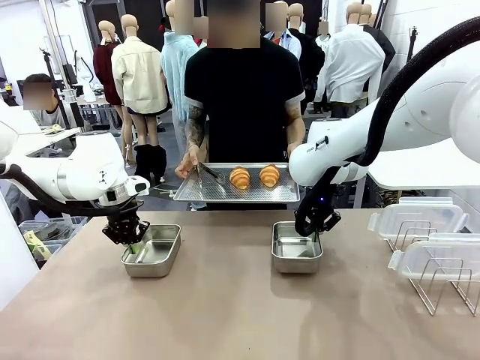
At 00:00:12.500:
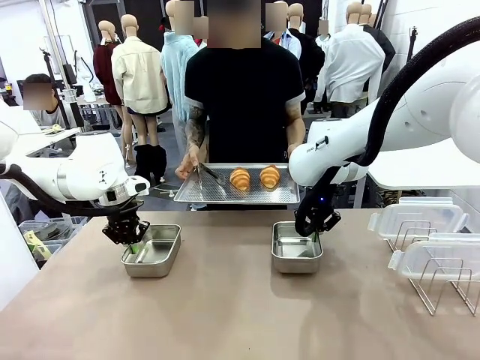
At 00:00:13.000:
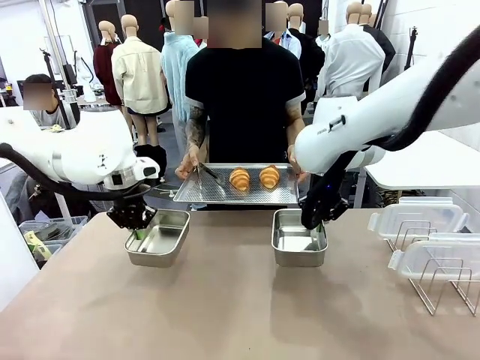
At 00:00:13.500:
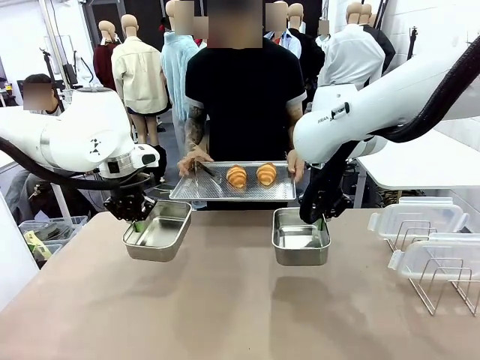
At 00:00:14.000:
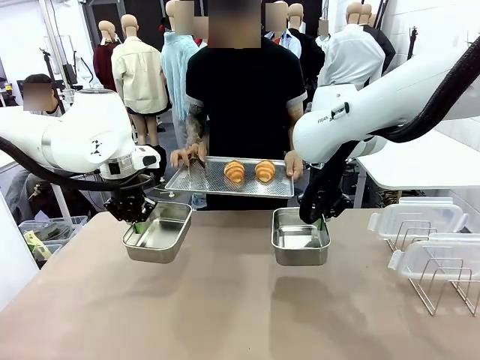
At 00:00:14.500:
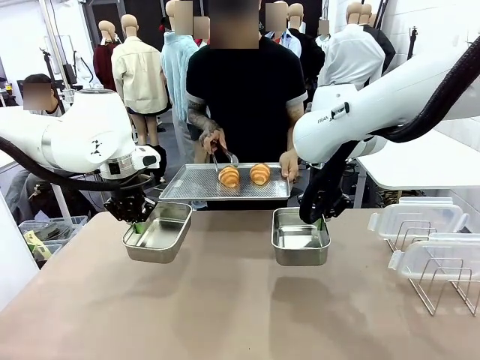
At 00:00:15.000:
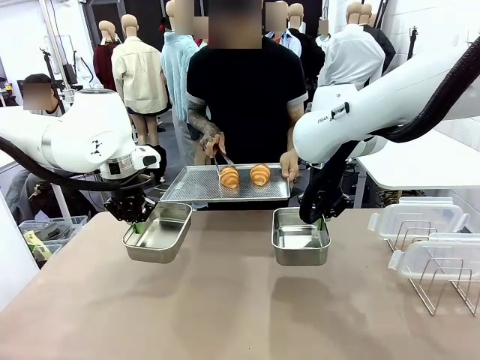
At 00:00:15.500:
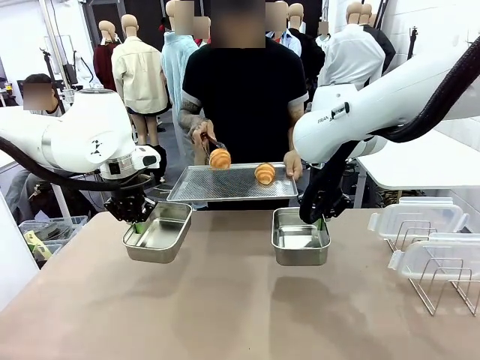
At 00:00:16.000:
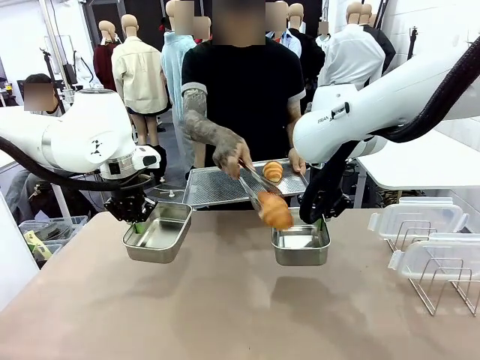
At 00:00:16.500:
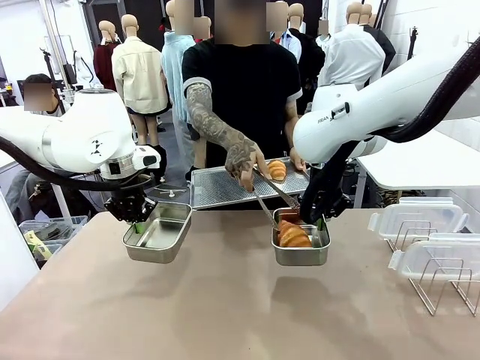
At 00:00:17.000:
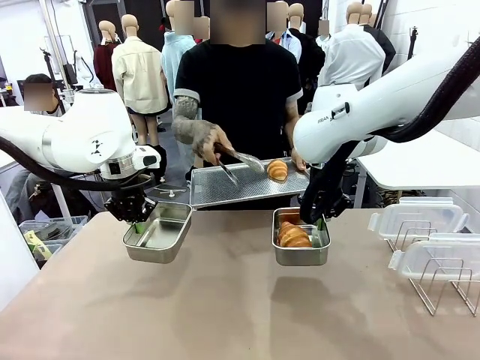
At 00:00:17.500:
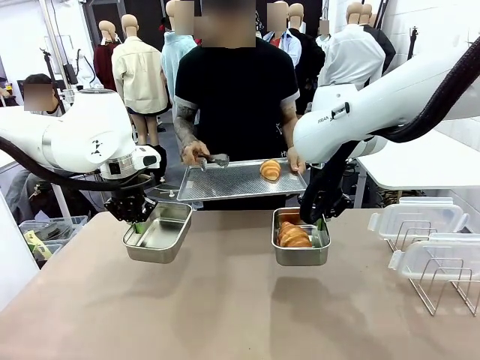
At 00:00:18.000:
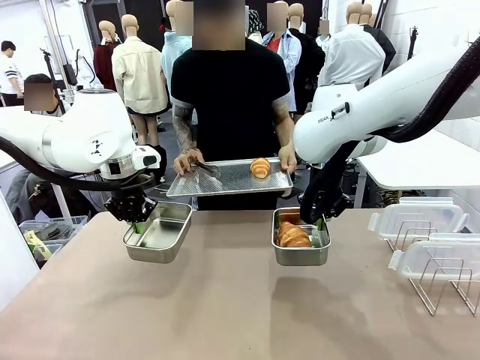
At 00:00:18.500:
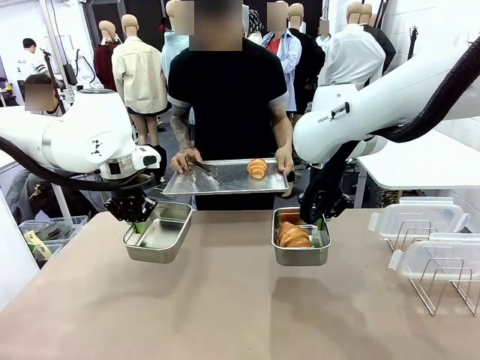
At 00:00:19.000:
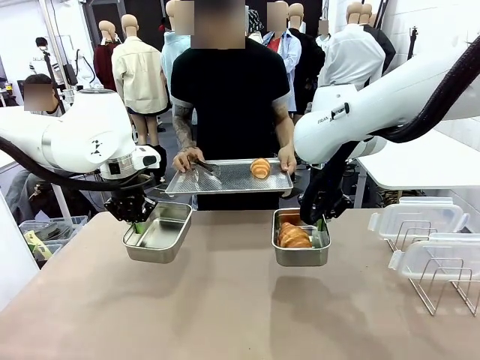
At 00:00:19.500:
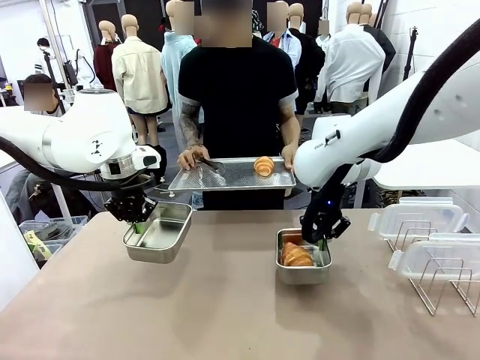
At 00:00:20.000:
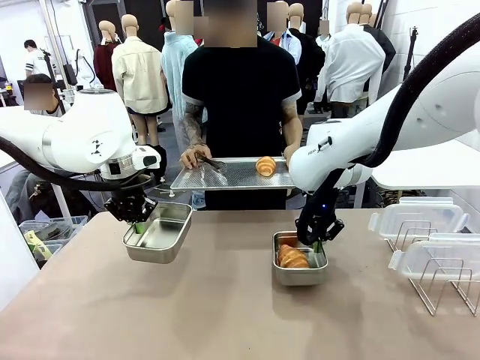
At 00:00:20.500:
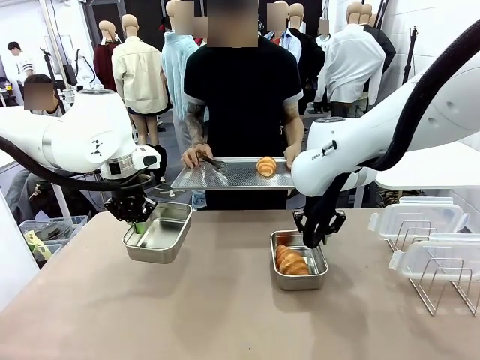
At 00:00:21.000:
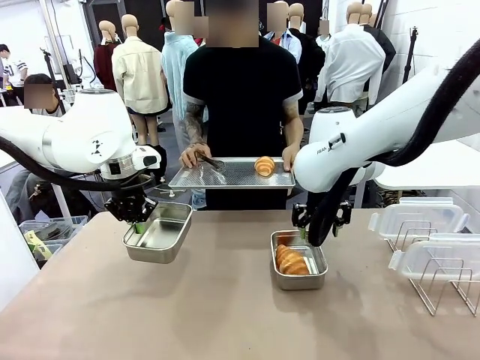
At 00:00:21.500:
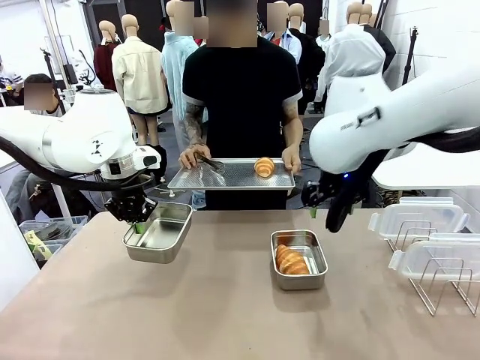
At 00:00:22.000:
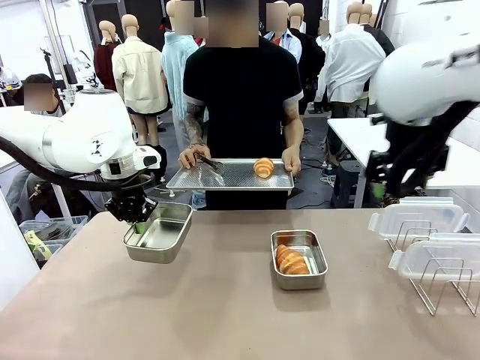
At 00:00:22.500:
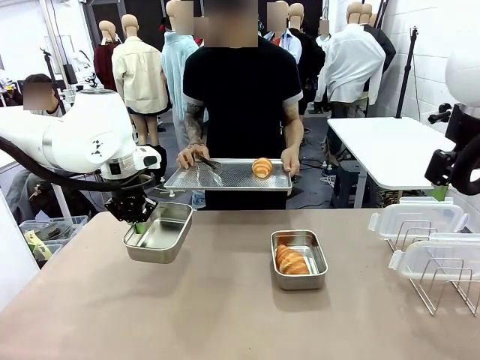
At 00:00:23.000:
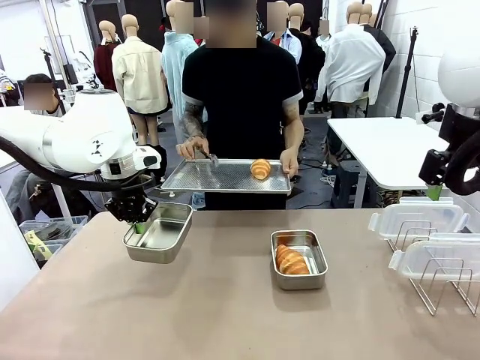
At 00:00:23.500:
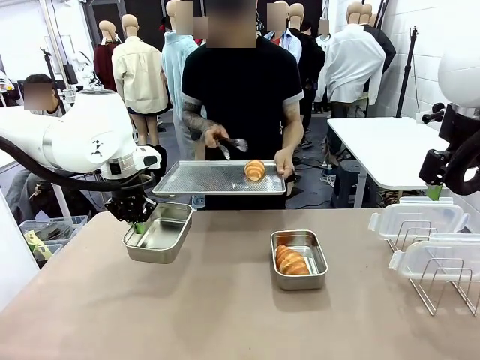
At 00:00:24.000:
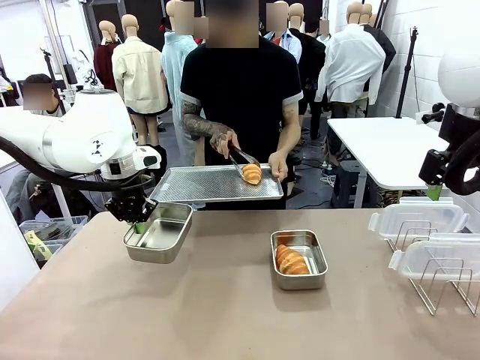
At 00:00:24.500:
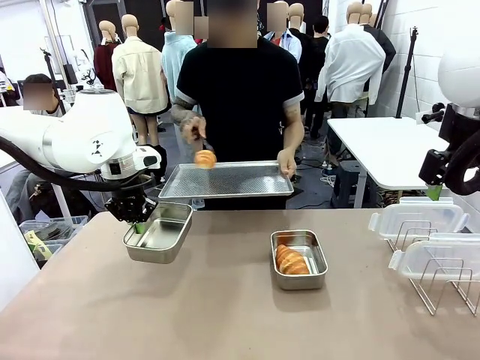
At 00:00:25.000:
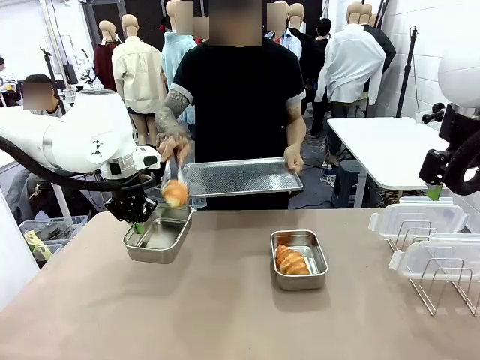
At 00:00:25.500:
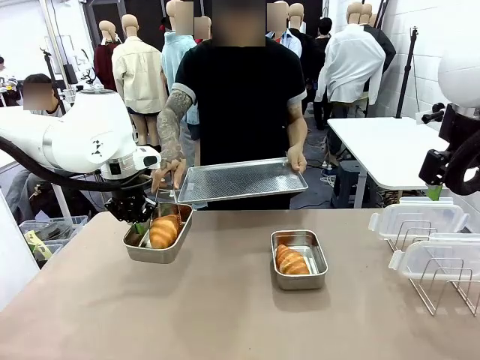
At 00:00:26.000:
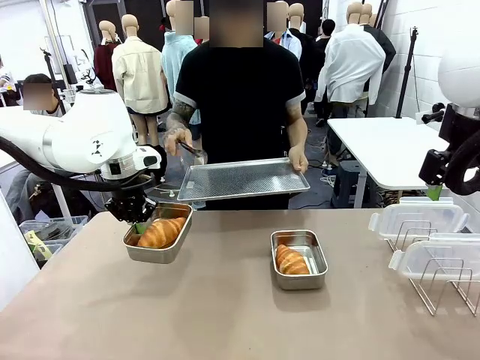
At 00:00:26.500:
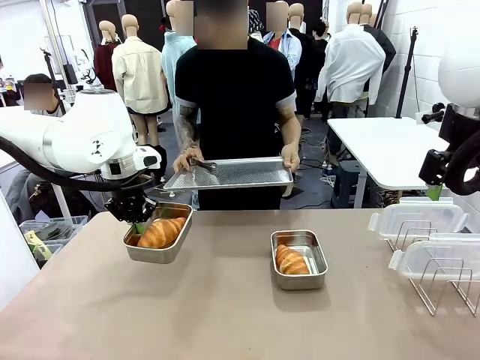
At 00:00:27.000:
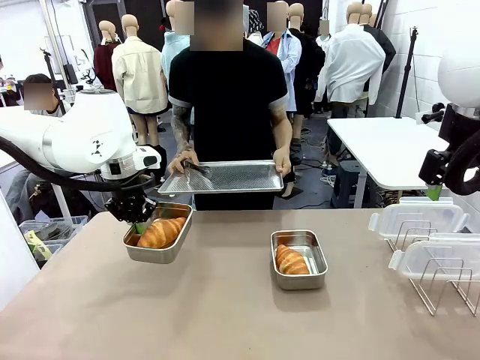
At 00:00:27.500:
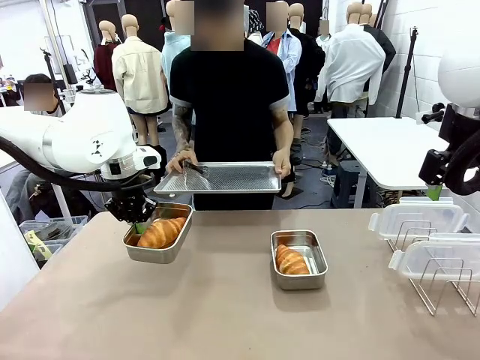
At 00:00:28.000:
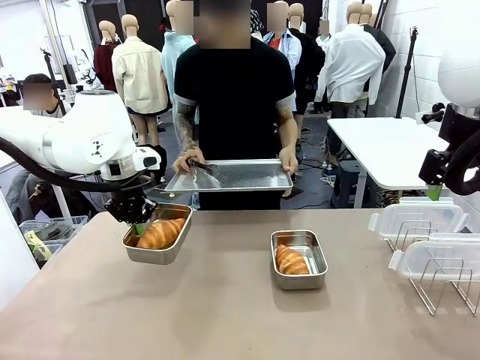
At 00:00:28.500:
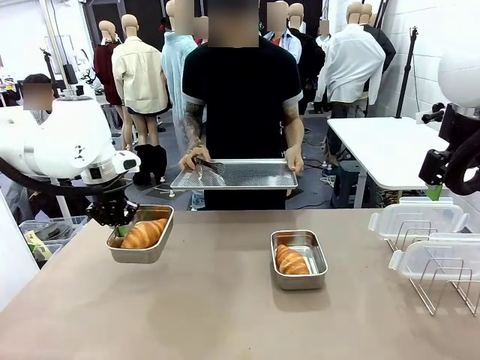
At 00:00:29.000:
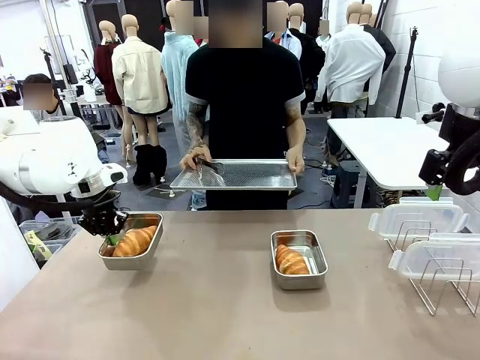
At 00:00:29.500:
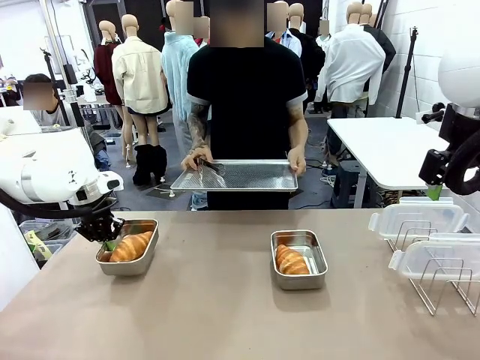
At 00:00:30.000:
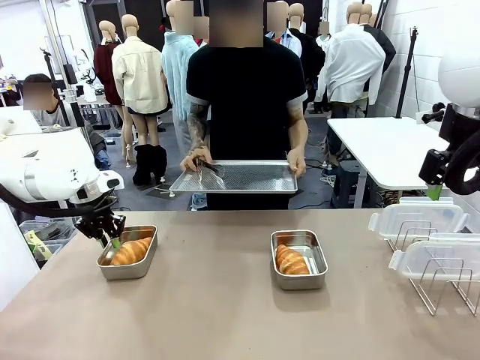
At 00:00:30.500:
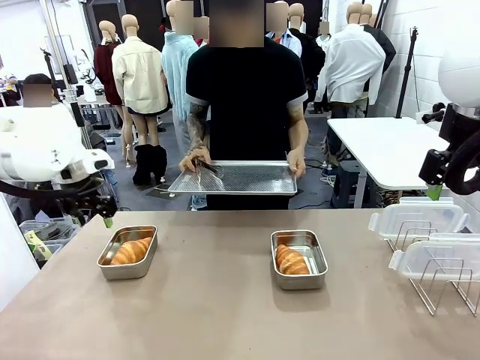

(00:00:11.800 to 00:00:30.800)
Task: Place the bread in airtight containers.
Robot: Once an object is inside an Airtight Container , place the container in the center of the table.
Person: Use the Stainless steel tongs to place one object from Baking Sheet into one Airtight Container.

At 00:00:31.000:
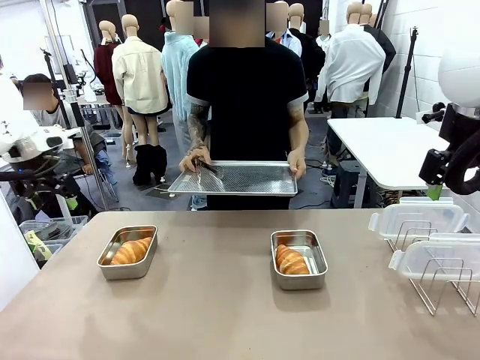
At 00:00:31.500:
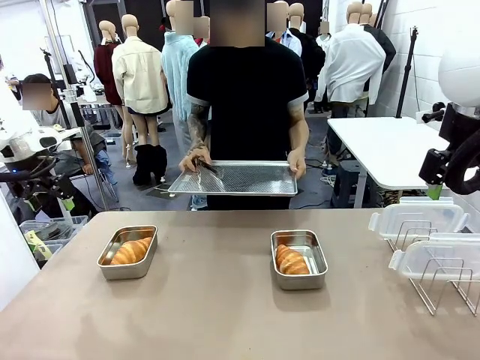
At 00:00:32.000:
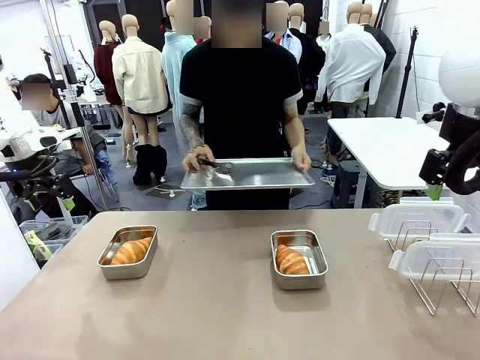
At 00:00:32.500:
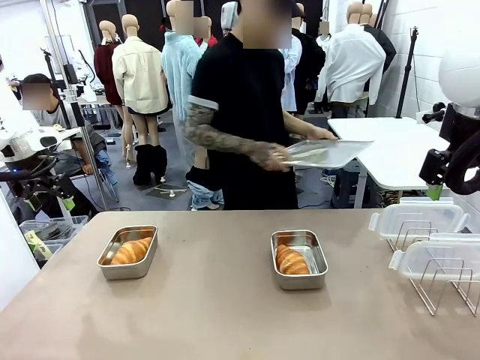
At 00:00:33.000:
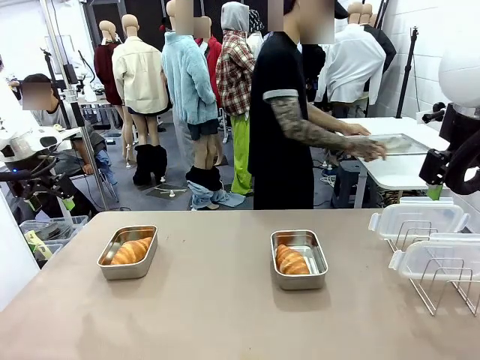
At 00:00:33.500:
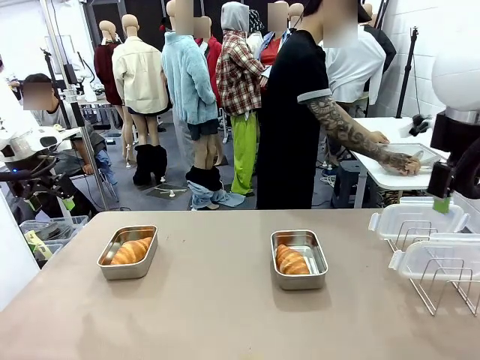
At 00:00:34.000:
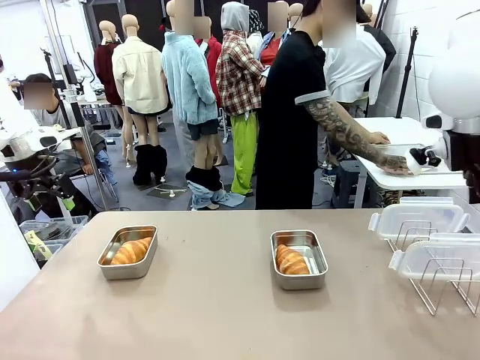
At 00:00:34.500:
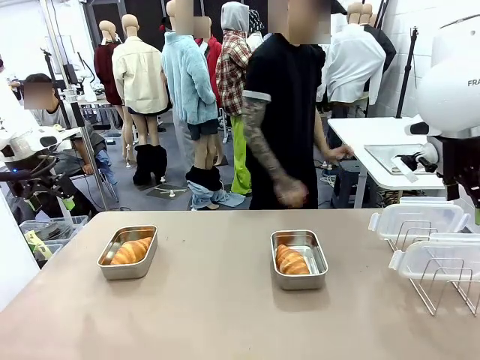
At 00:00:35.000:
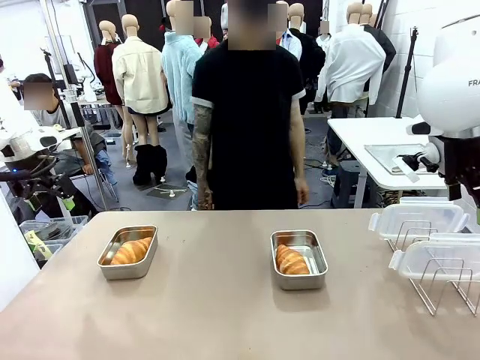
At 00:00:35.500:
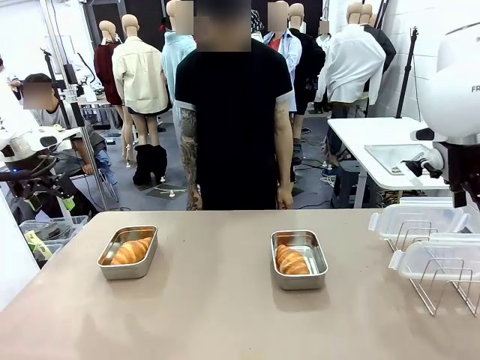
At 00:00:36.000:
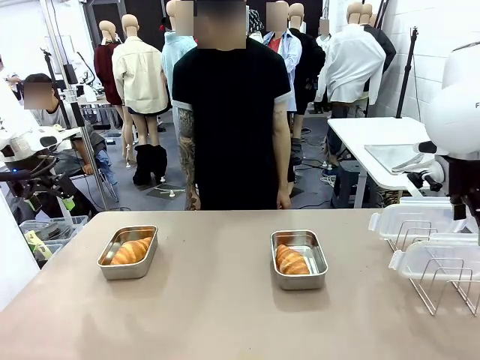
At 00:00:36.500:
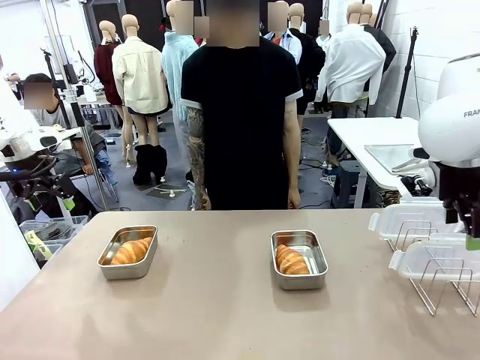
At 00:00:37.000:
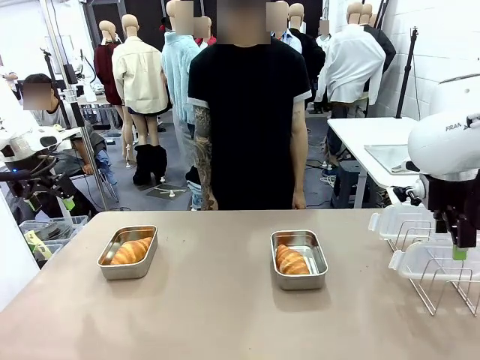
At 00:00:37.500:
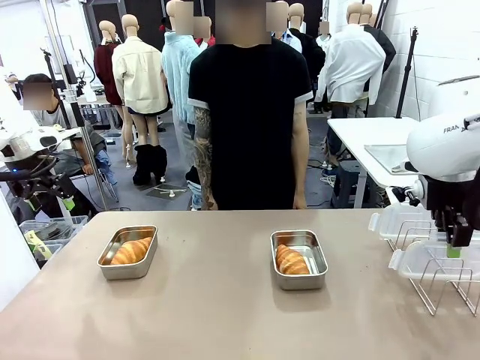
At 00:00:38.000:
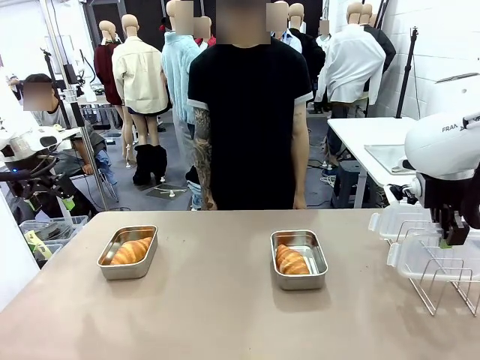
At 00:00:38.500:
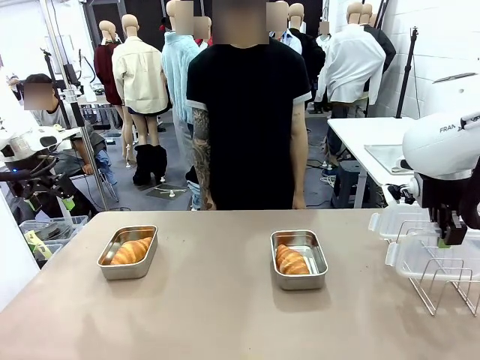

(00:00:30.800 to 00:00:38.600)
Robot: Pick up one Airtight Container lid and hand it to the human.
Person: Place Baking Sheet on the Human's Table.

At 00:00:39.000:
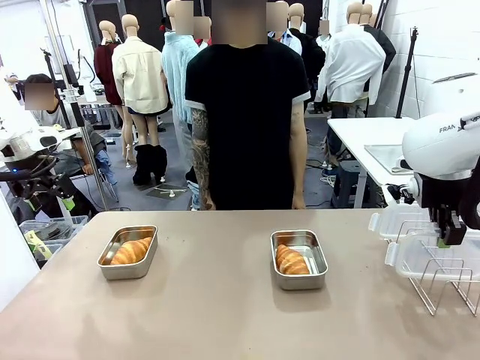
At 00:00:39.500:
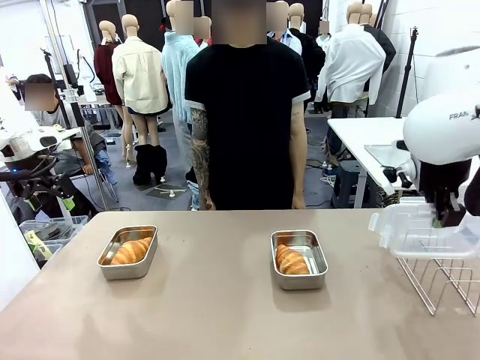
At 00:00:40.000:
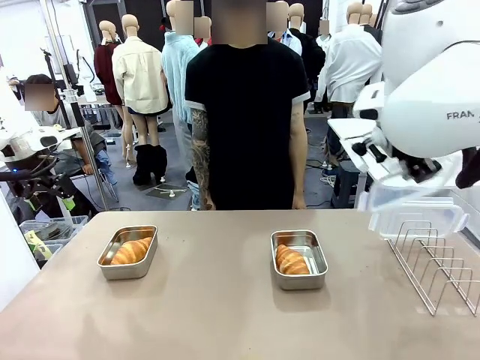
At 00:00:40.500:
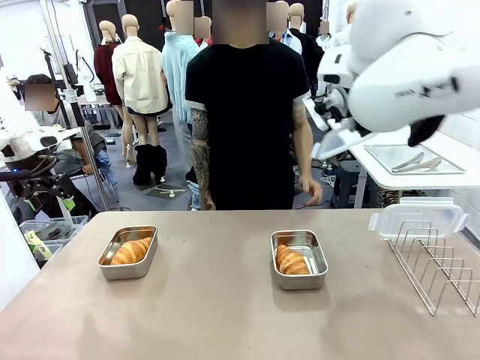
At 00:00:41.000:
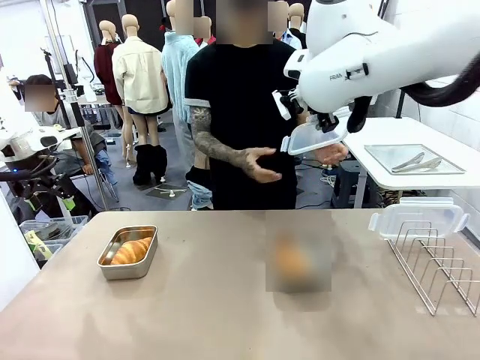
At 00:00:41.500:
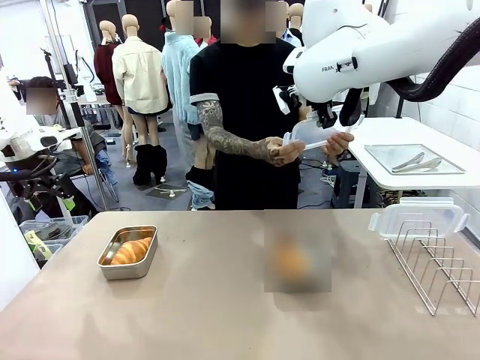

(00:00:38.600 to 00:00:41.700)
Robot: Release when the human grabs the Airtight Container lid.
